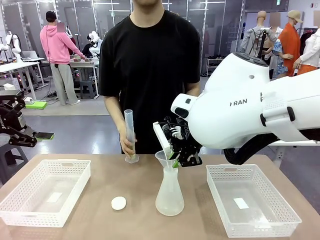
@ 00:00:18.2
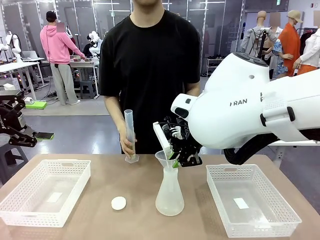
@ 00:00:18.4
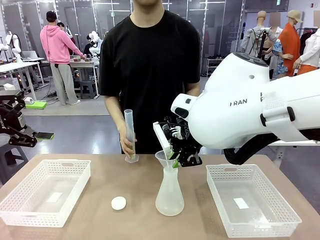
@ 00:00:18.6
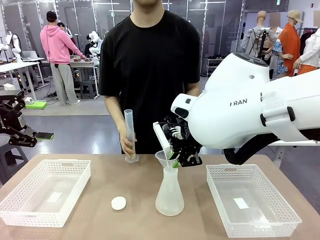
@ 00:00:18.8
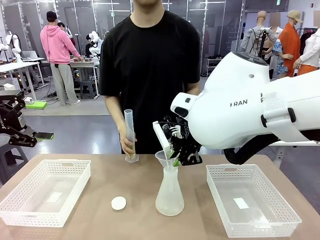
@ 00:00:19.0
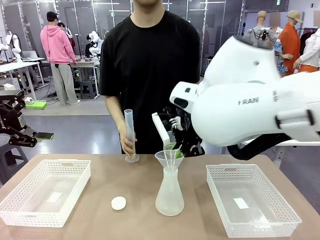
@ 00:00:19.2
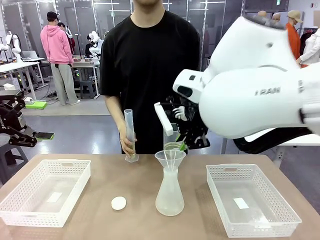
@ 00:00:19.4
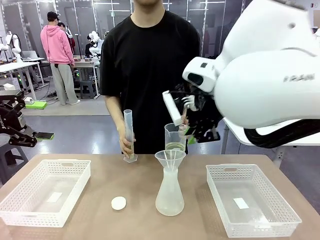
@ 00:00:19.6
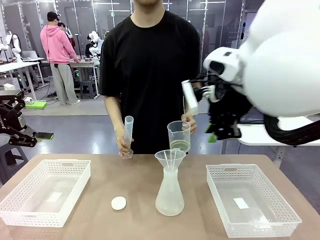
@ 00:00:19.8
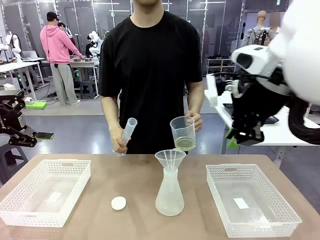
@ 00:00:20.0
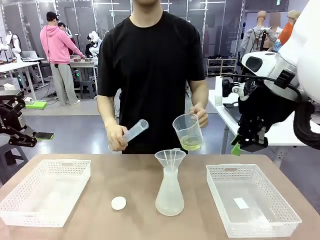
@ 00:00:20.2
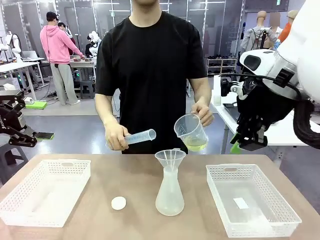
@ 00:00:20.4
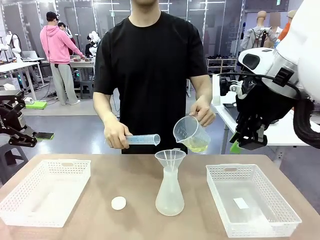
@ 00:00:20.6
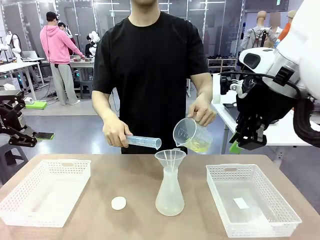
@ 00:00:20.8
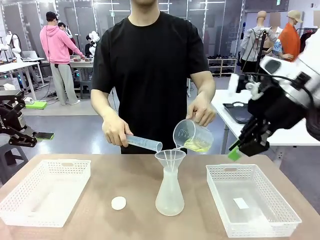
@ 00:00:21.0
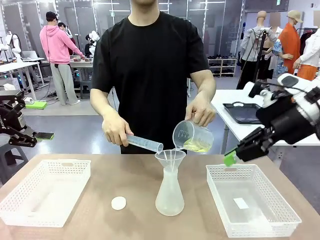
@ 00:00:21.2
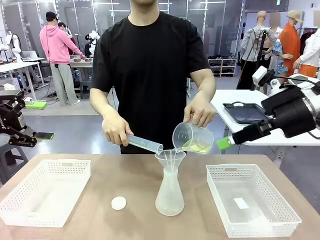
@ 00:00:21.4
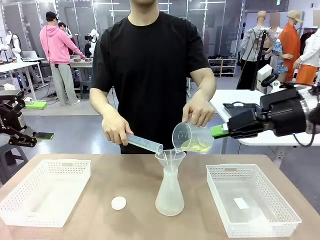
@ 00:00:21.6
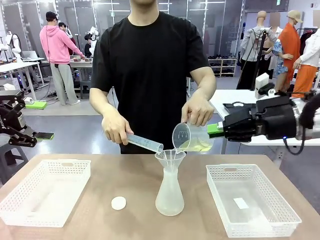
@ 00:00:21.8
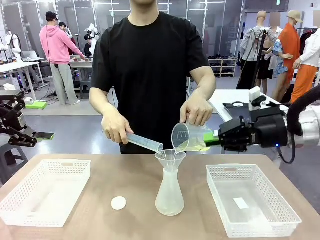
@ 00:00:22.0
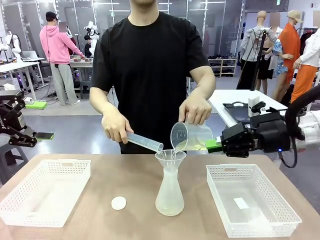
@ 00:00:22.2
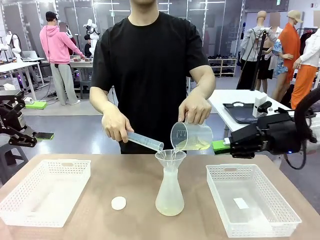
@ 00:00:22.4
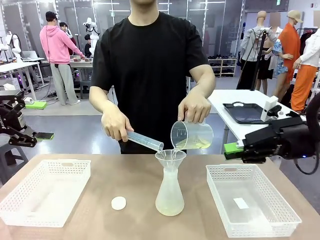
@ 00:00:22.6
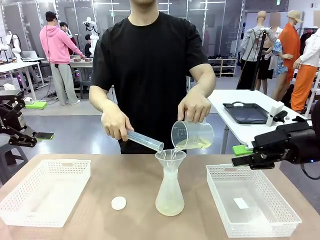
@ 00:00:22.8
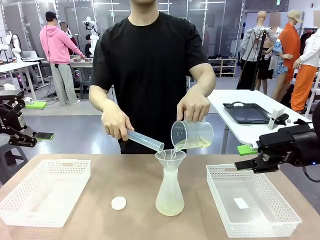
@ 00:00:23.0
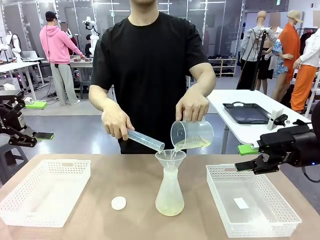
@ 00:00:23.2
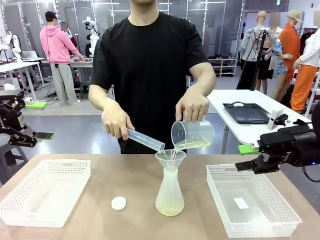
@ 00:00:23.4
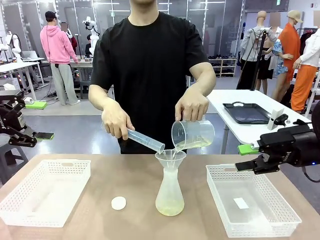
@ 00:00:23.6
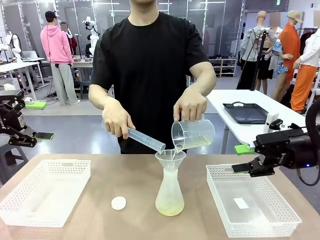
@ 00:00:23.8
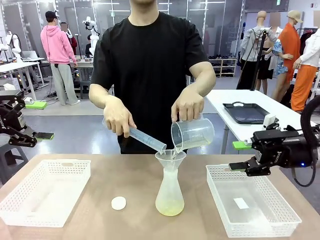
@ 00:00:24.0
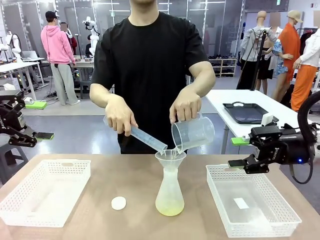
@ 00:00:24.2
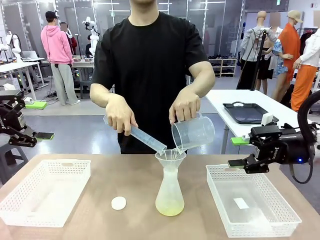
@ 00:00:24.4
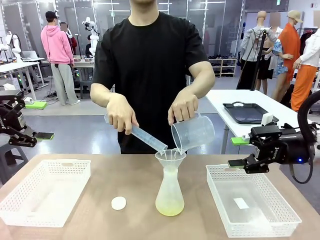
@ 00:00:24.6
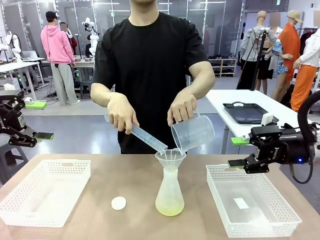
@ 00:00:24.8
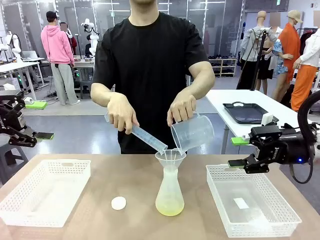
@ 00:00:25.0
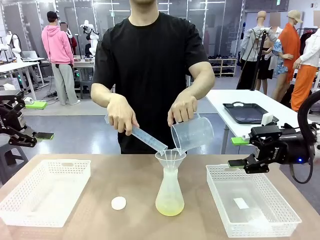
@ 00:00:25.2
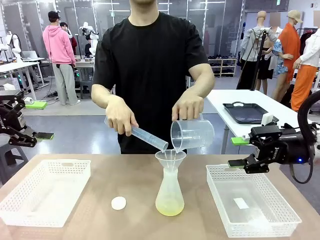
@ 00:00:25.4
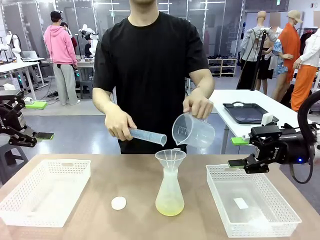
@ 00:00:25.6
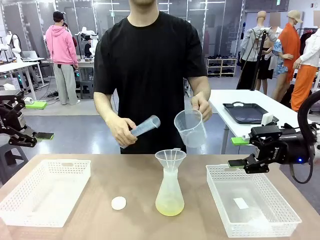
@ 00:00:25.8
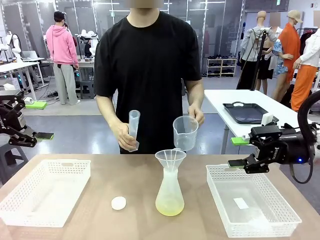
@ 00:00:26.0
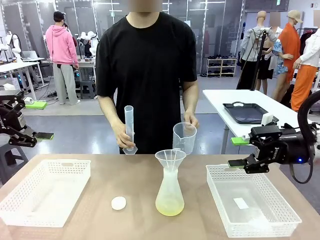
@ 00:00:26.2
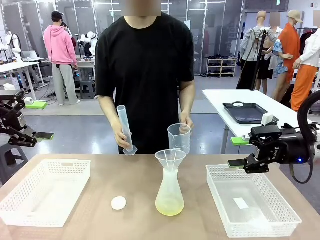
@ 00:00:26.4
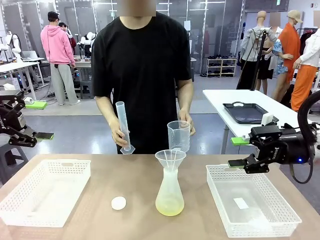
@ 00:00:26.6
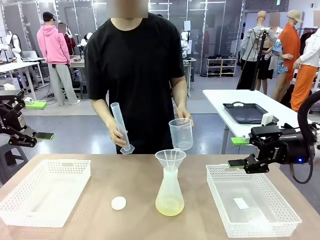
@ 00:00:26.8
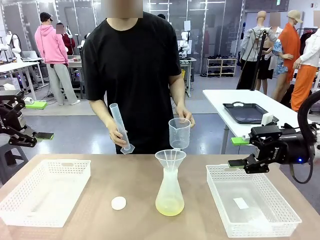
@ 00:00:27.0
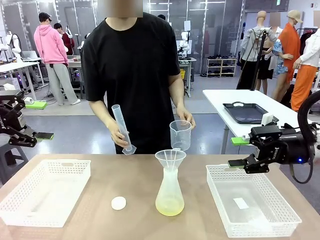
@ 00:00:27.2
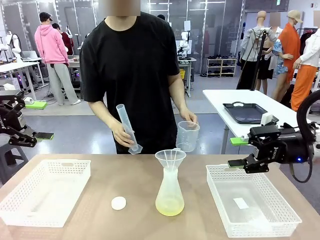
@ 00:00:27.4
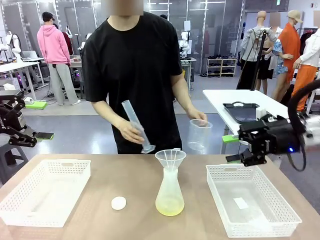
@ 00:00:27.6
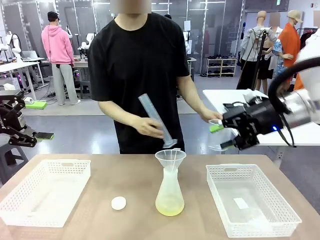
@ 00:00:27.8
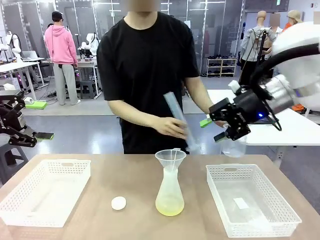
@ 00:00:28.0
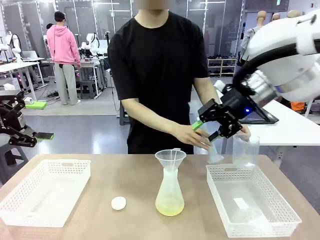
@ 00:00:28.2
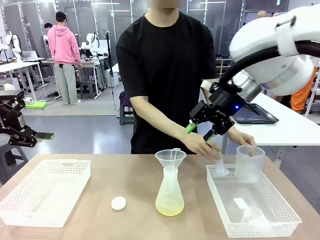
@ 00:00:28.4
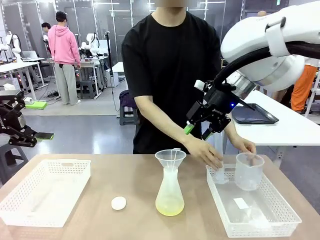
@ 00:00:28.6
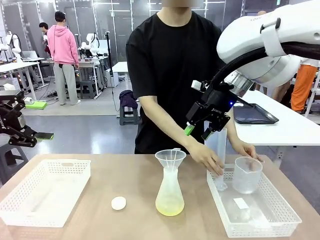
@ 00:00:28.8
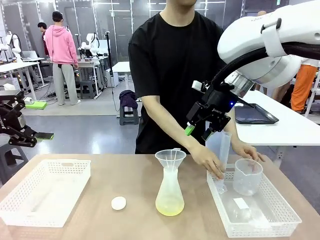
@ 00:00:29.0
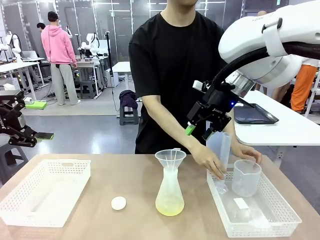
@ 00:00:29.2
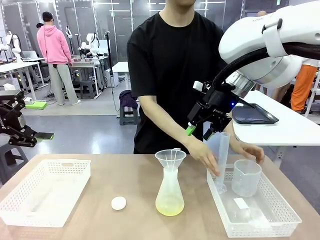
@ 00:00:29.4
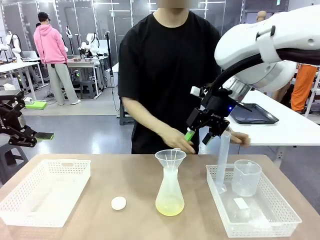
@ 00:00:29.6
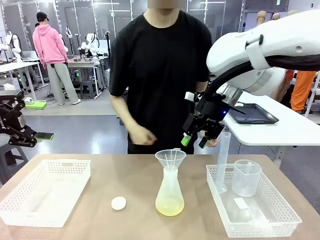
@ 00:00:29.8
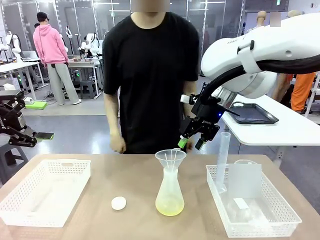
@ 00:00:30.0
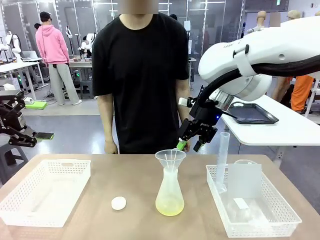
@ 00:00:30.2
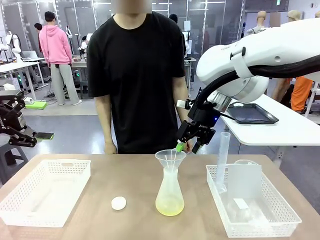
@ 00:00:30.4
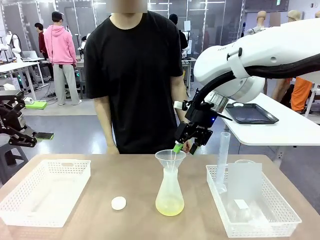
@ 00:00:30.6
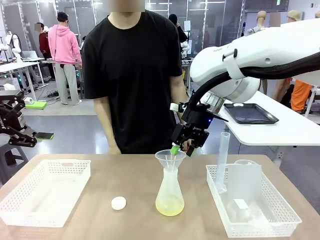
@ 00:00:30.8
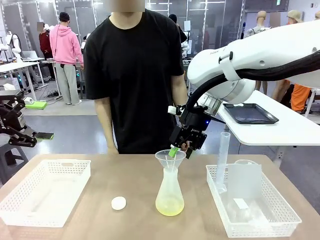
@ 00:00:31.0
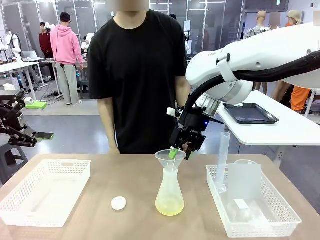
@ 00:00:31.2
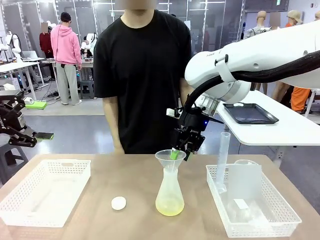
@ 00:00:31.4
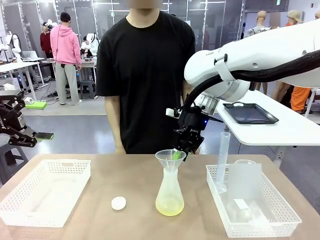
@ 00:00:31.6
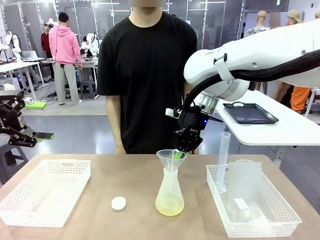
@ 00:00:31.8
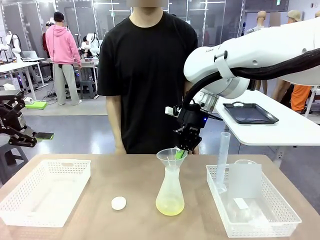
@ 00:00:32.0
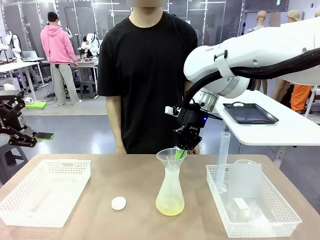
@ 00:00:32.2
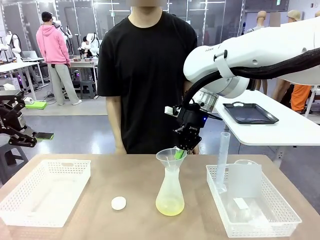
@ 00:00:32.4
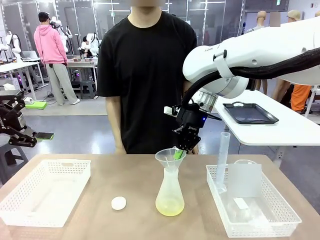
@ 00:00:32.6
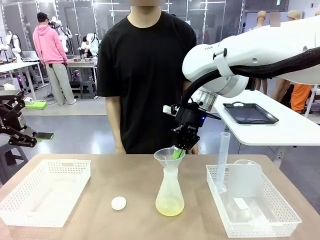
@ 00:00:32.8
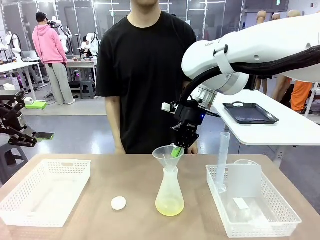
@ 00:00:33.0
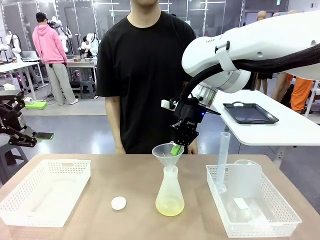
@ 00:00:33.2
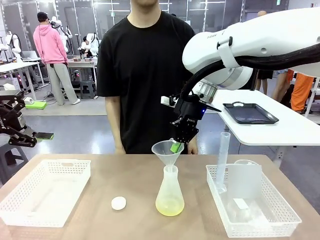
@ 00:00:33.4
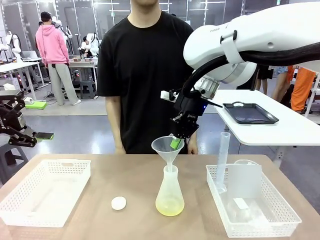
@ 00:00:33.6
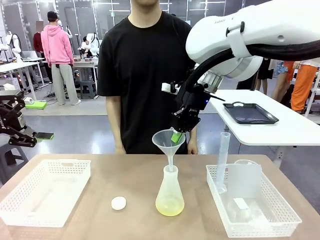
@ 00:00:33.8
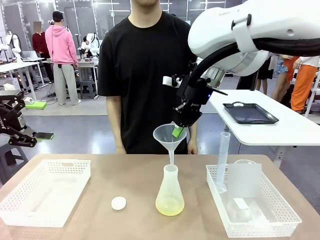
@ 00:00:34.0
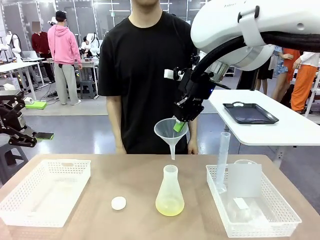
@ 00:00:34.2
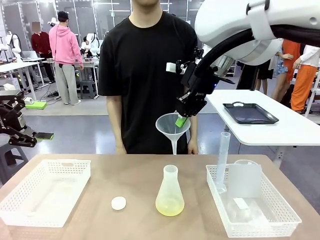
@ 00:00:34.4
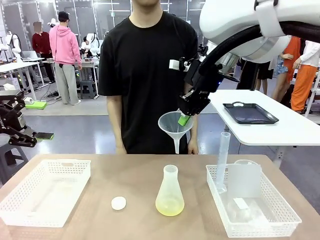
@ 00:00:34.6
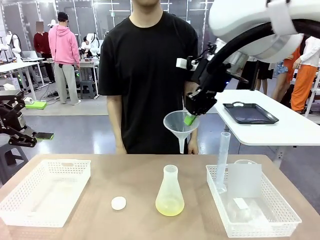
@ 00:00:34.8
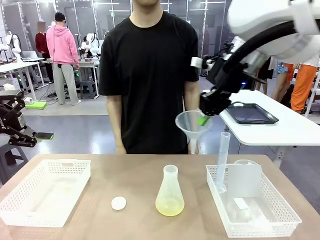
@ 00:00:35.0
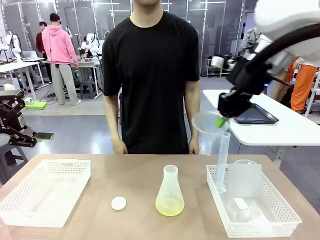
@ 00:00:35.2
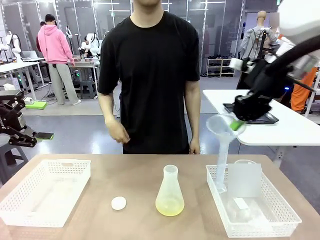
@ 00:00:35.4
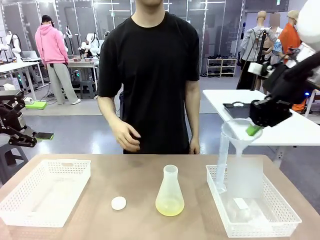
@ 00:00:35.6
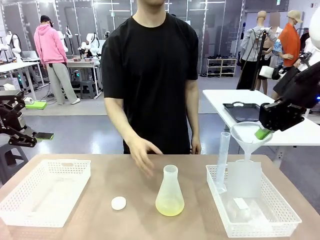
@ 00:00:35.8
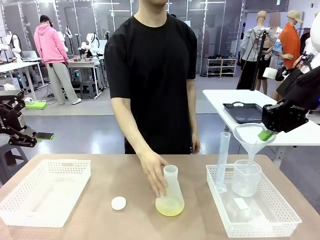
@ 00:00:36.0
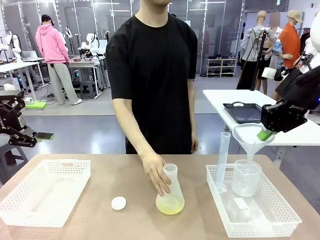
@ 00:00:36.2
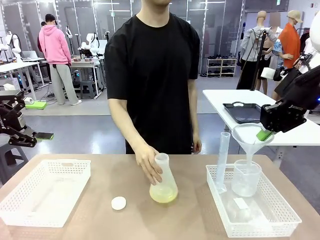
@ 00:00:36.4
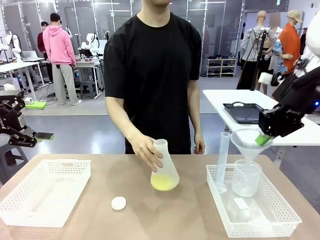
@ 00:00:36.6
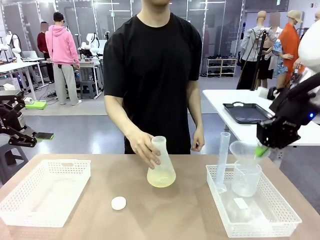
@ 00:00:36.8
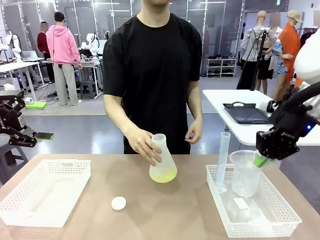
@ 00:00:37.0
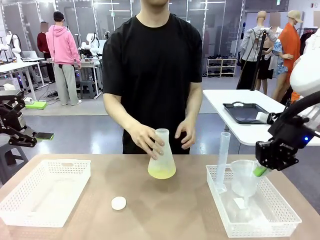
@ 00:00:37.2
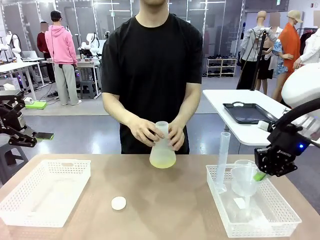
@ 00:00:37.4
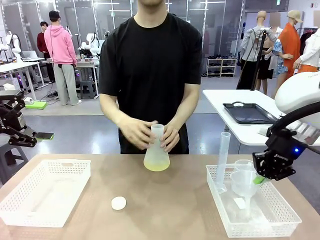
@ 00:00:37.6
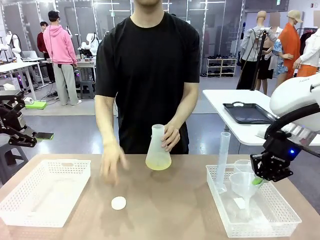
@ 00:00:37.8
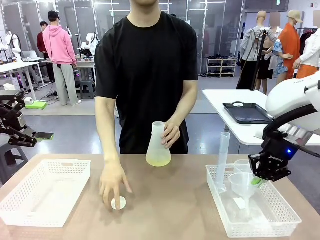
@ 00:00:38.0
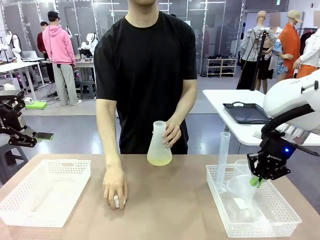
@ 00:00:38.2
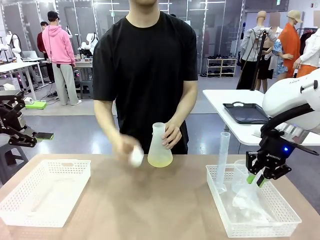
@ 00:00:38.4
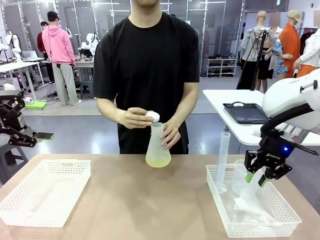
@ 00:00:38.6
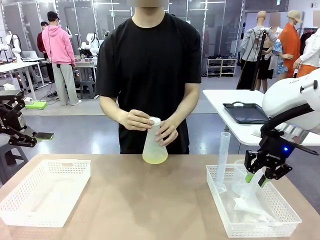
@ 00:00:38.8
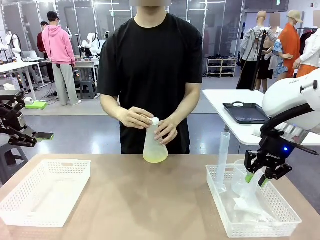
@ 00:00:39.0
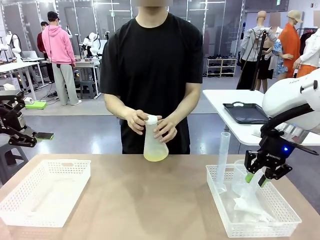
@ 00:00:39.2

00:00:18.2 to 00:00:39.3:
Task: Prepare the solutions needed for the experiment.
Robot: Once the solution is in the Big flask , pick up the Plastic Funnel and place it back into the right Organizing basket.
Person: Place the beaker and the cylinder into the organizing basket on the left side. Pick up the flask, gently shake it 2–3 times, place it in the middle of the robot table, and close the lid.
